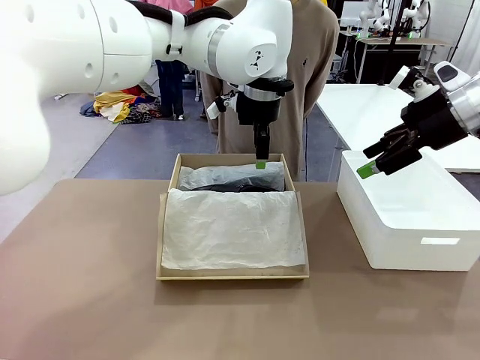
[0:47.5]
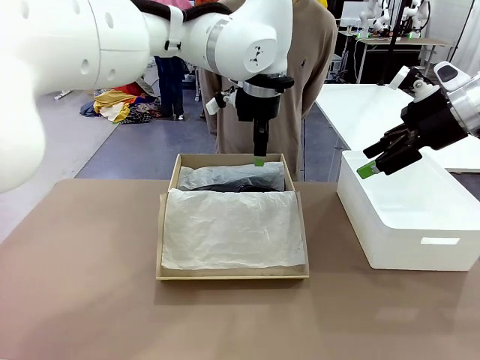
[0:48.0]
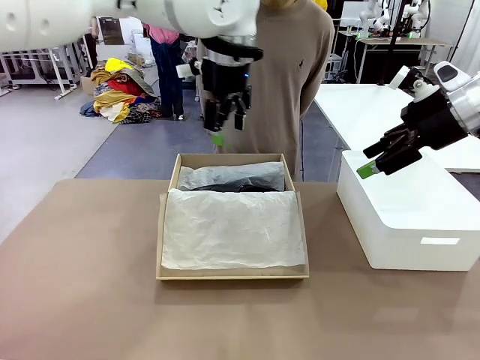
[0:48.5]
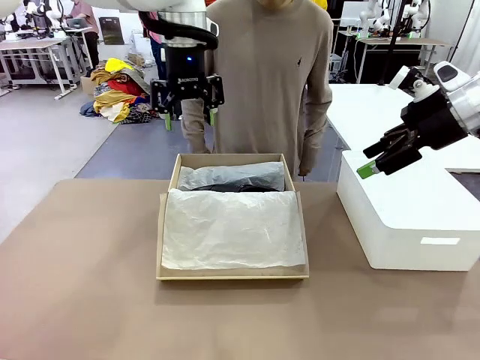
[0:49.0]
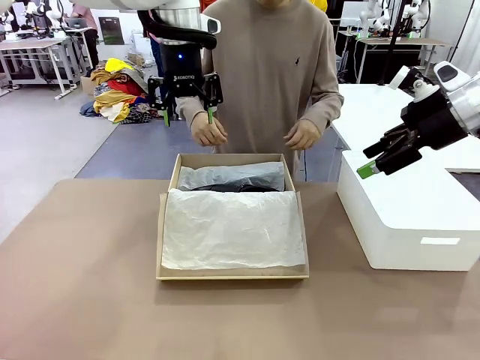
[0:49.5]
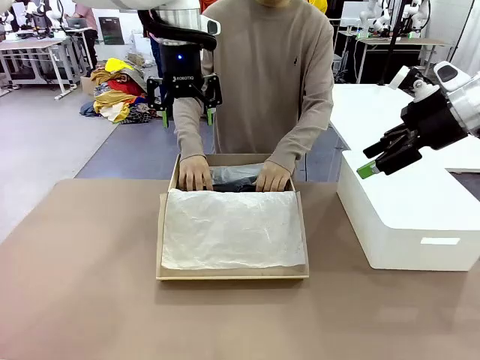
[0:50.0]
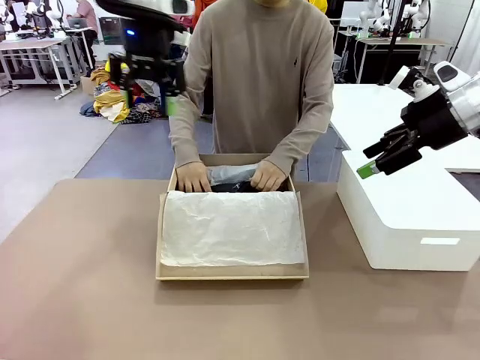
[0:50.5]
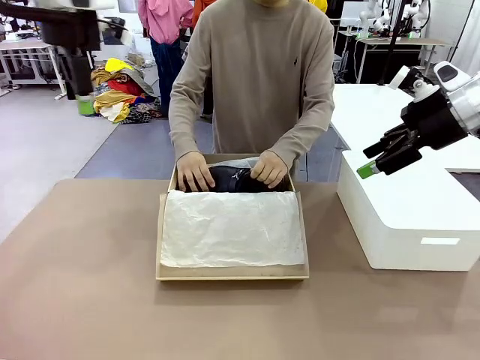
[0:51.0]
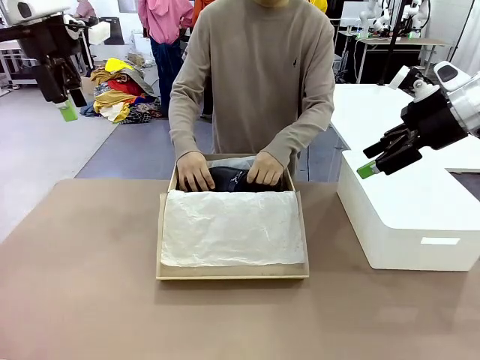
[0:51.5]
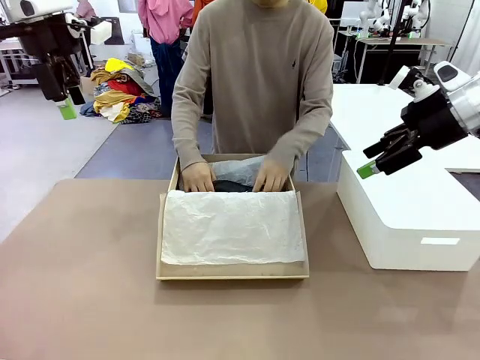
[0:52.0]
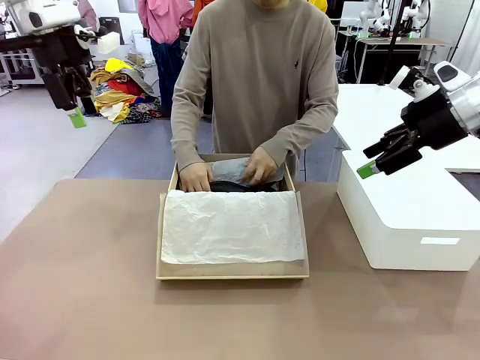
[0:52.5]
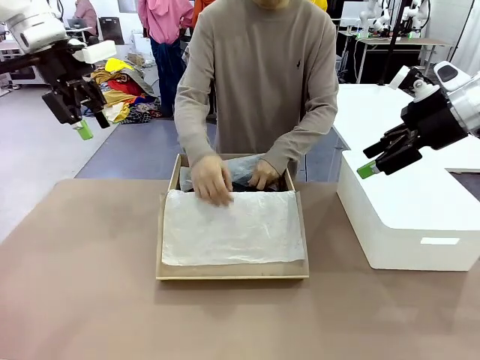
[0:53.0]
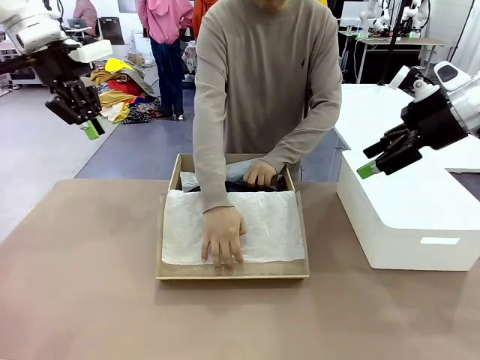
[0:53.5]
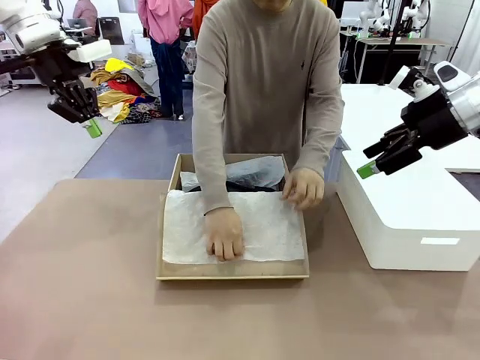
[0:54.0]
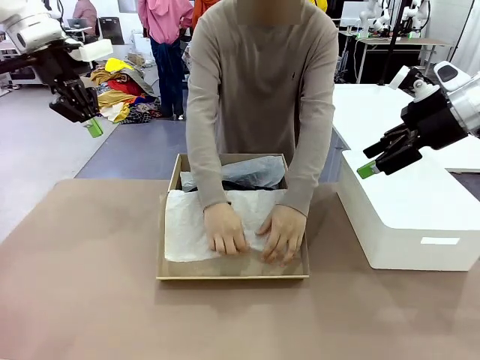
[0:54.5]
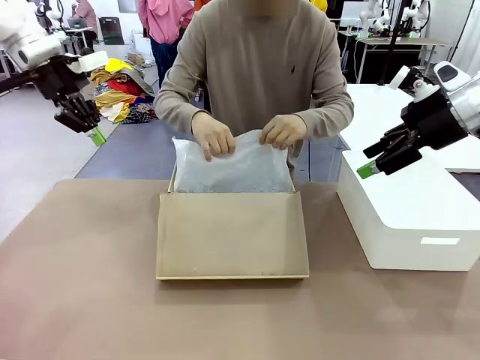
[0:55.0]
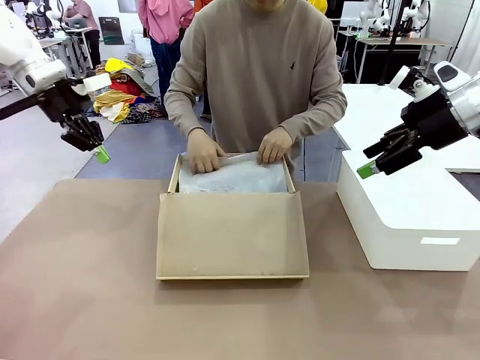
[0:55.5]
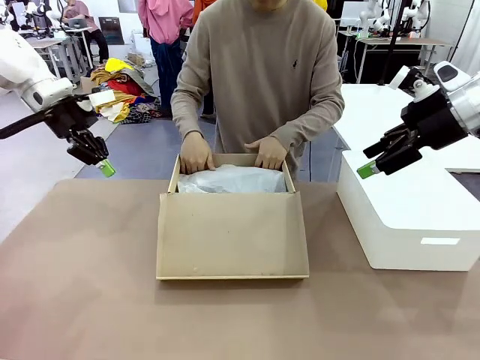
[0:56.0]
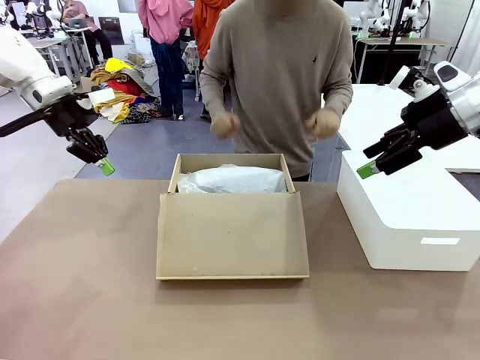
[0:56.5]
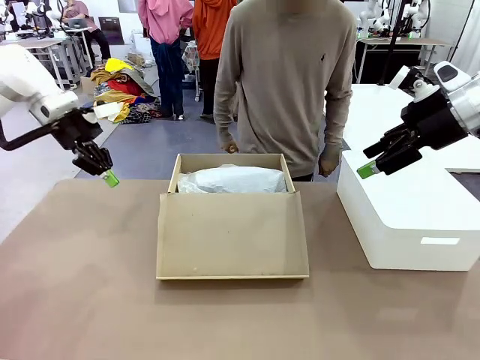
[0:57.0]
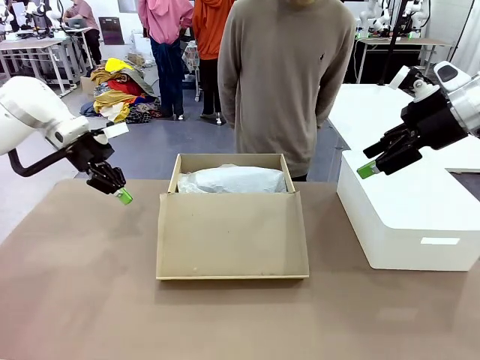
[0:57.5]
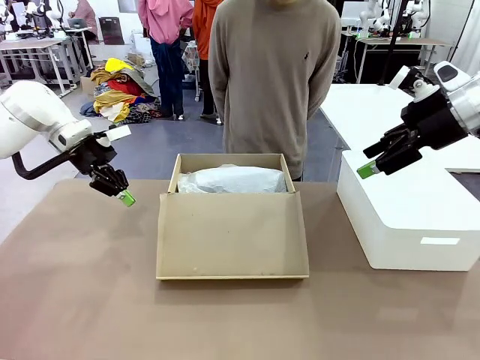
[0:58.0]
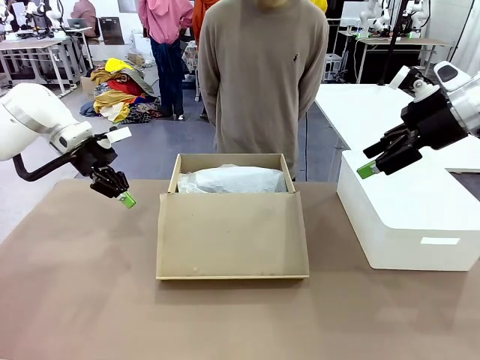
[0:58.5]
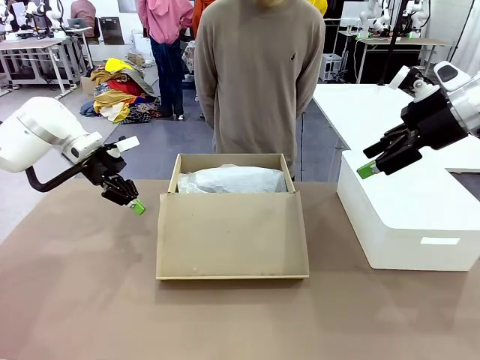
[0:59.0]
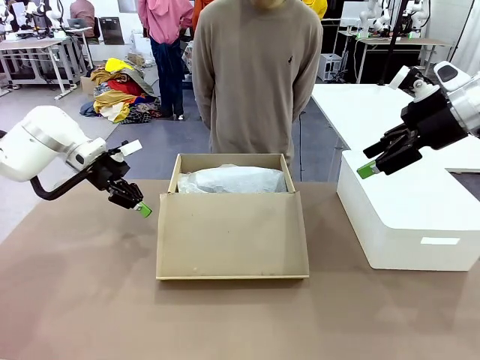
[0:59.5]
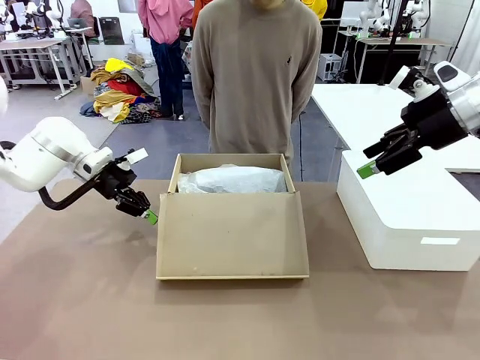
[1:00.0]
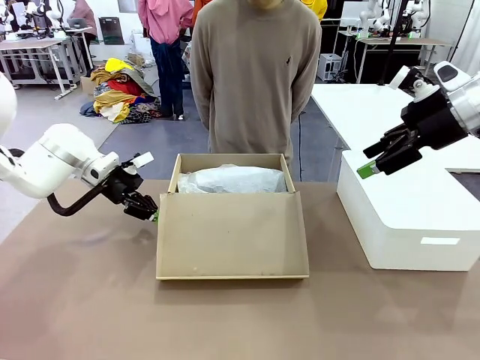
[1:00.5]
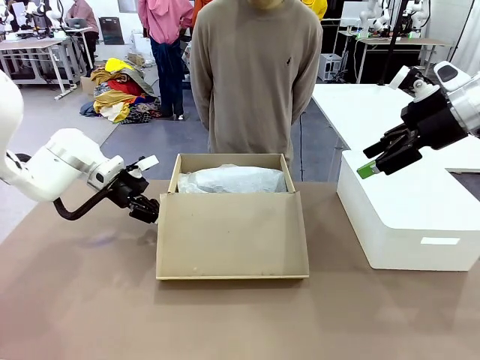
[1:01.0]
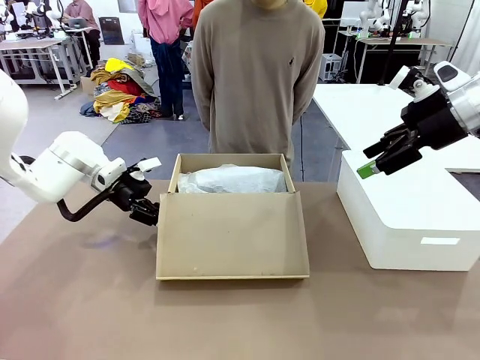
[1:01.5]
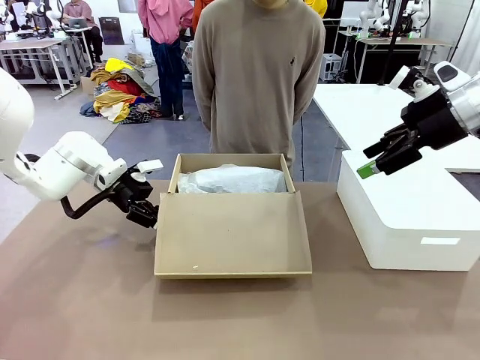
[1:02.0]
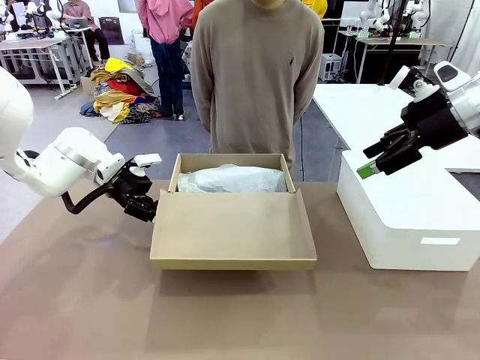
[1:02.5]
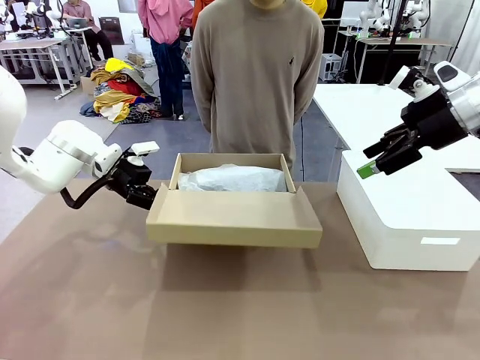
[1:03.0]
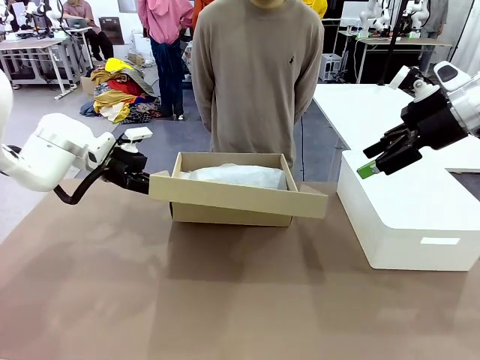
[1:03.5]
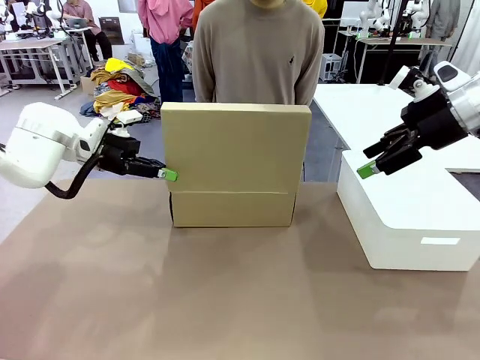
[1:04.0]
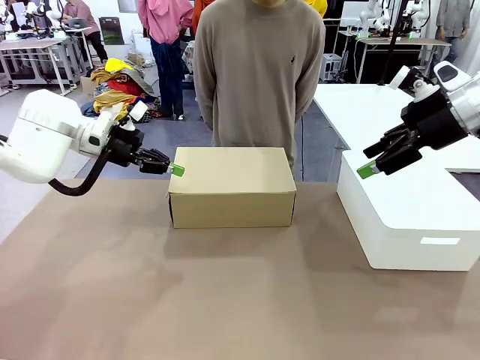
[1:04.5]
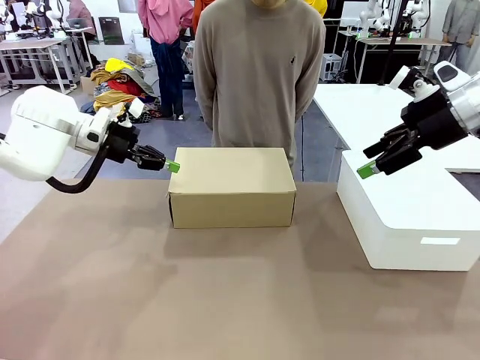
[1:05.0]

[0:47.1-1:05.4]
Task: Pack the shoes into the box.
Robot: Close the Shoes Box.
